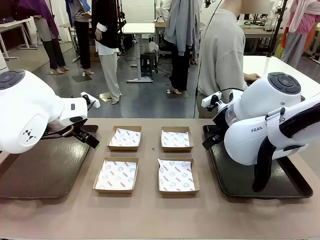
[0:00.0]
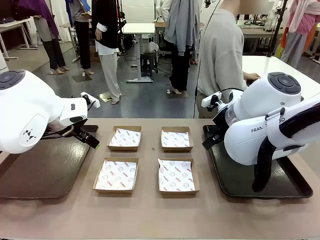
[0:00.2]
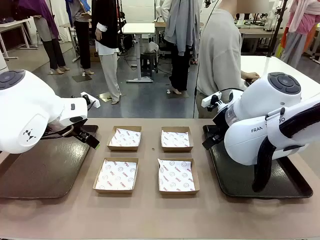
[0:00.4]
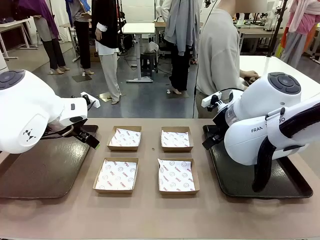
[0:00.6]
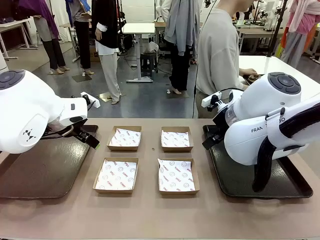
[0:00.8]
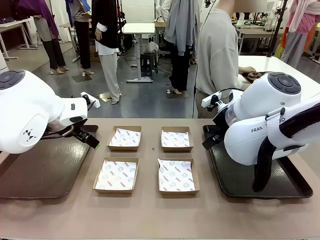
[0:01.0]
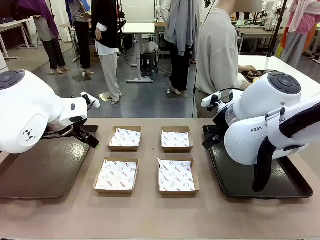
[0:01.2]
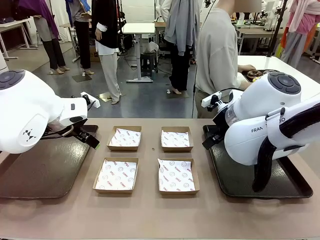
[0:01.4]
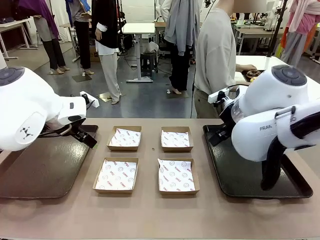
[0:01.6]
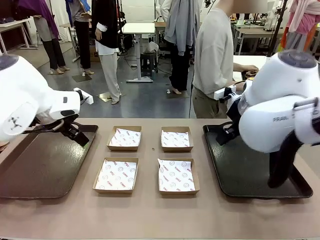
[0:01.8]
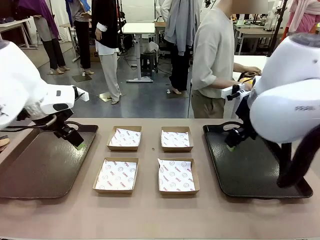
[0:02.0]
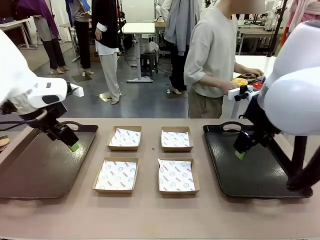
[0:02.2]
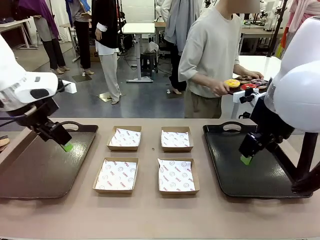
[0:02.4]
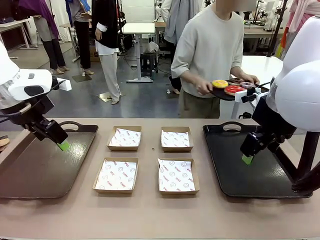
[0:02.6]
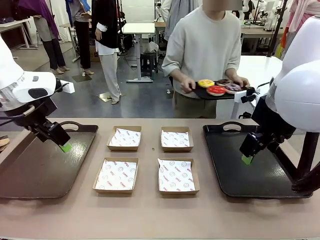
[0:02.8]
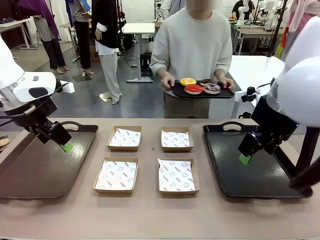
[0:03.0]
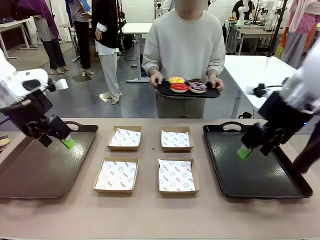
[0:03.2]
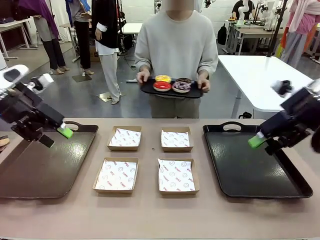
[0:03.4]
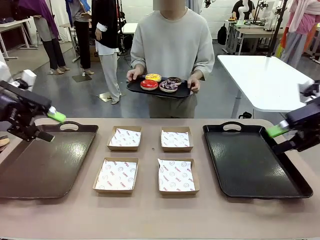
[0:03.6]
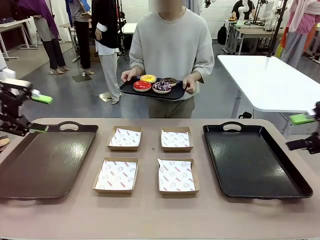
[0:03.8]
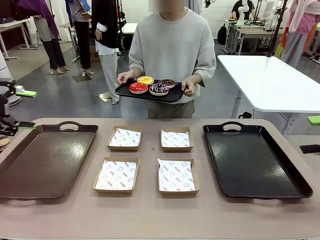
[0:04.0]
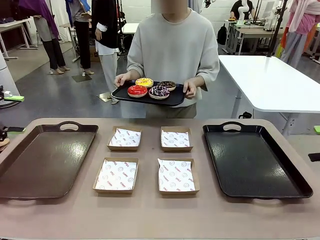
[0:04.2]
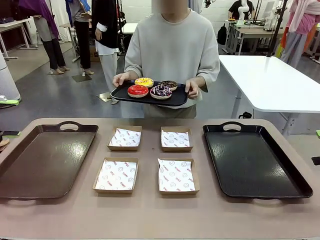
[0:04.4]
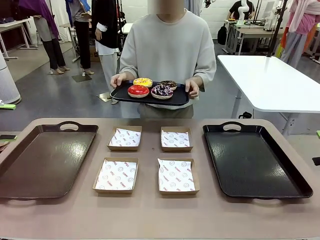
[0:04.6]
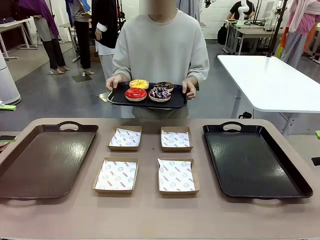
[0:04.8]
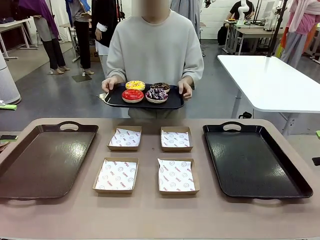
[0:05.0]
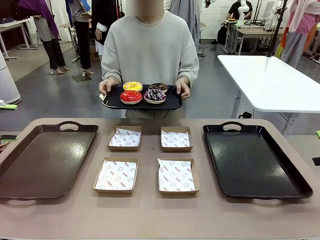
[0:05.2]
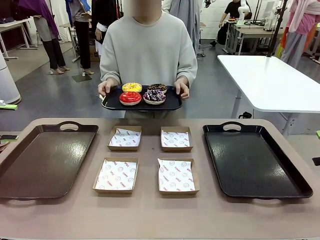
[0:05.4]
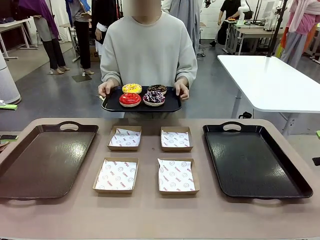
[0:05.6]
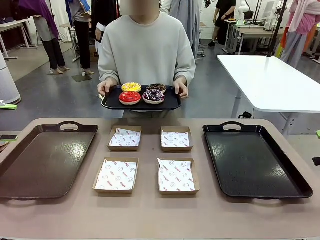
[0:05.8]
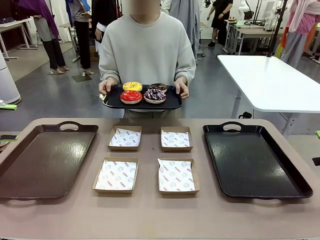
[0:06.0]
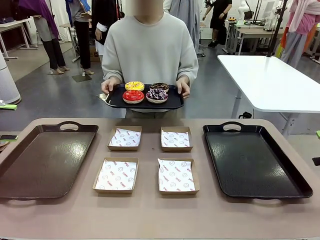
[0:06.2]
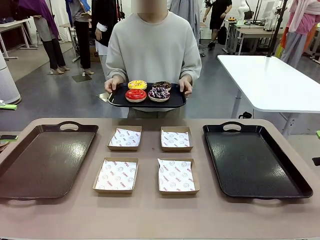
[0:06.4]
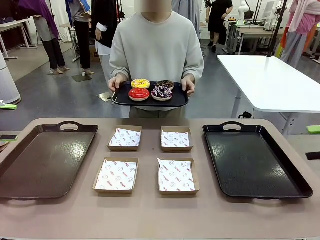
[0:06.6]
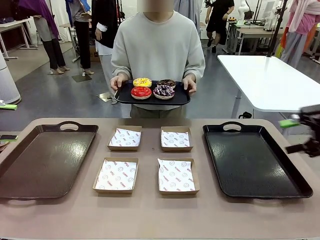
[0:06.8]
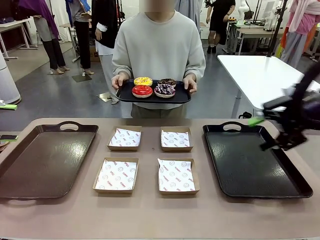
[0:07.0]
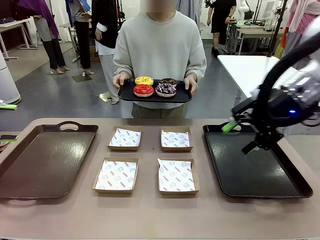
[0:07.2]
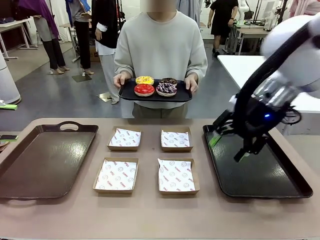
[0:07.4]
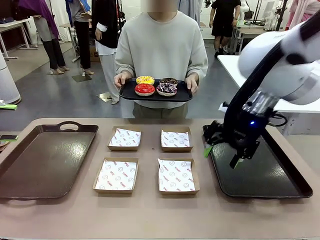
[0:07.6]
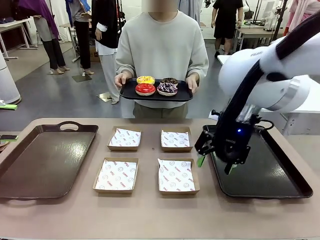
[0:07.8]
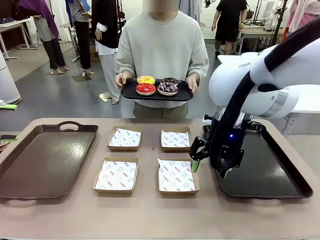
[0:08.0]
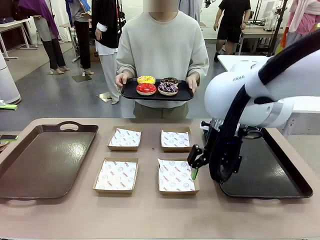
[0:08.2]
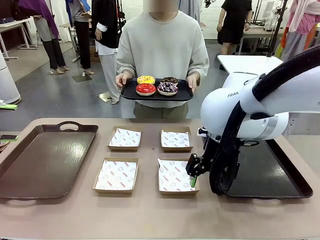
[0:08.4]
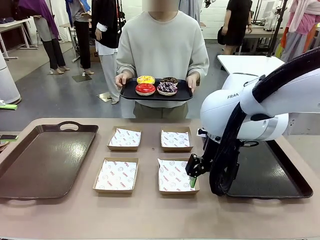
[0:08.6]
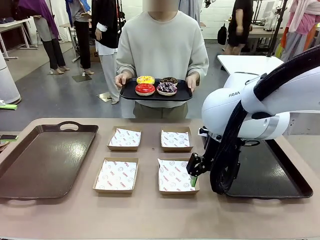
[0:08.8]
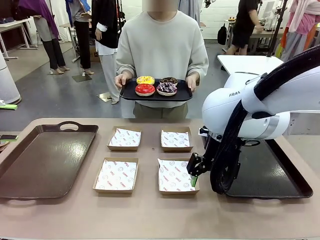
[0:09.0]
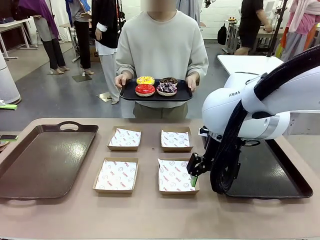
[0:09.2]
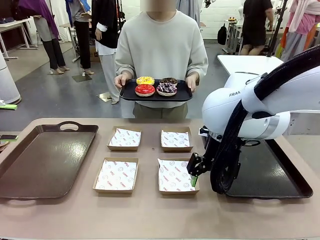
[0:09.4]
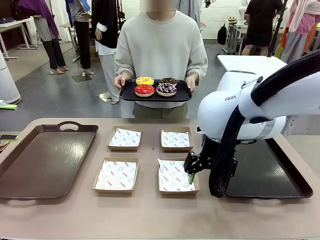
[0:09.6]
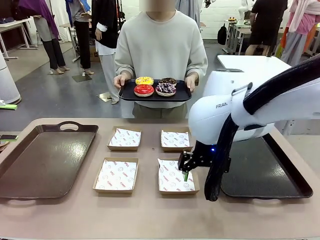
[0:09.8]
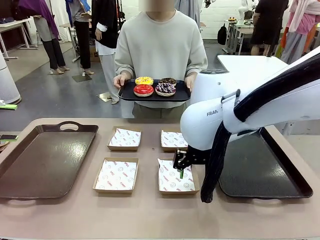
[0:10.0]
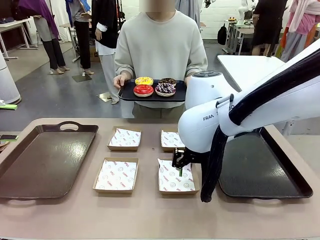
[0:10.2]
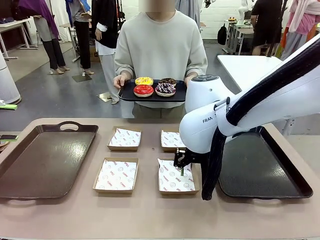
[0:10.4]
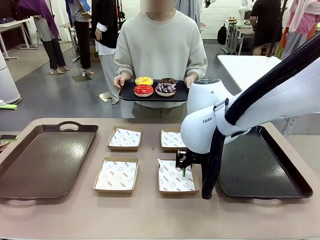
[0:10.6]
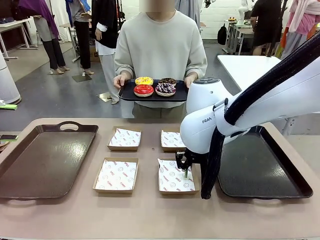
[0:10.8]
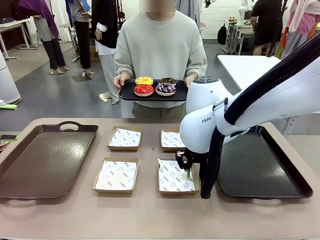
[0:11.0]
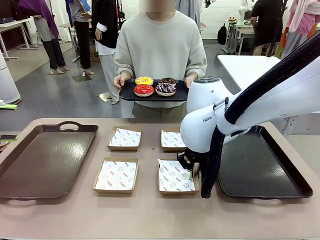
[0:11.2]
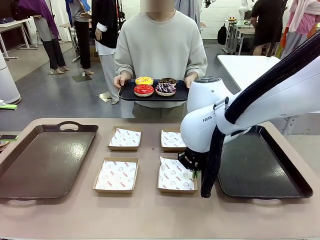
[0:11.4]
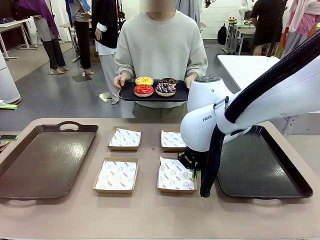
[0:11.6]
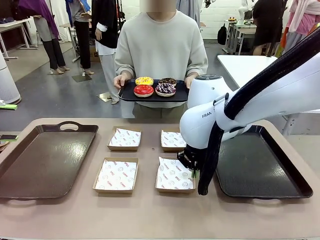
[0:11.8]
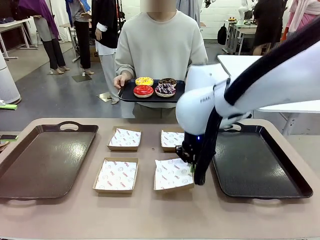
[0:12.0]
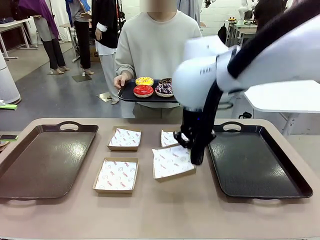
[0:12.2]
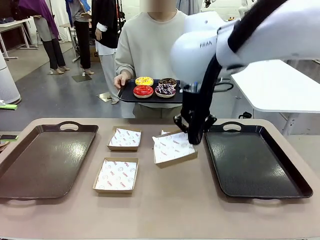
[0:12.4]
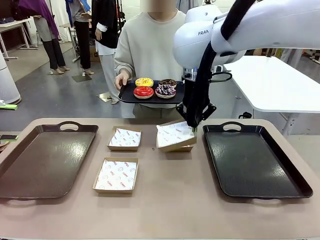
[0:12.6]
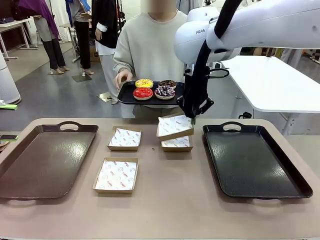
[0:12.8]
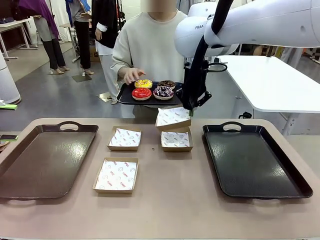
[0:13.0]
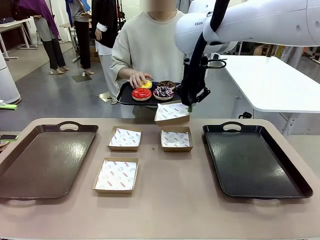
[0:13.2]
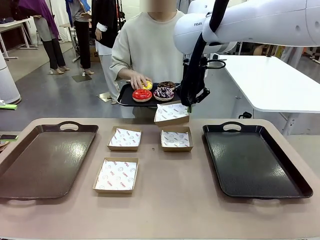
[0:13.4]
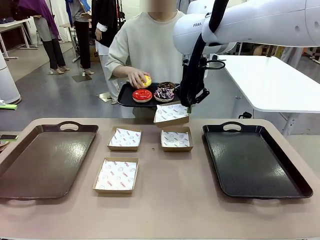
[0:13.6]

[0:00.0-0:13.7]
Task: Individually package the donuts and arrange them on the tray.
Robot: Pick up one Paper togo box.
Person: Stand in front of the robot table holding the tray containing the donuts.
